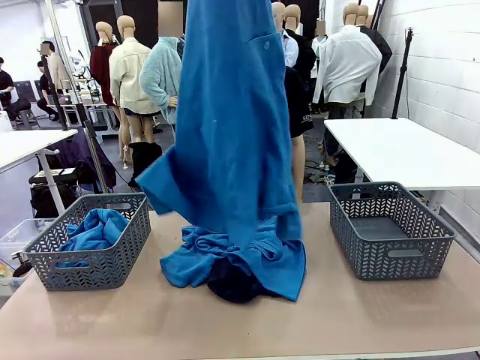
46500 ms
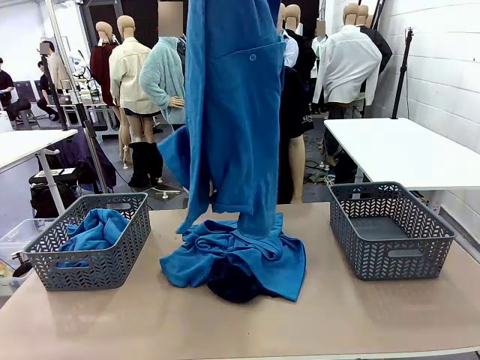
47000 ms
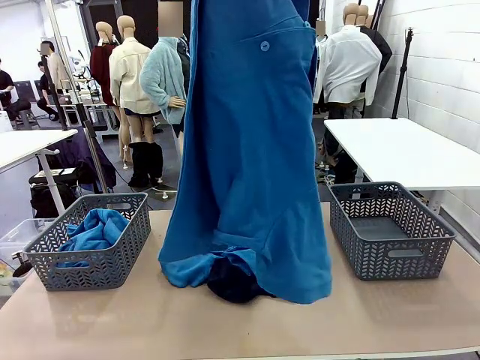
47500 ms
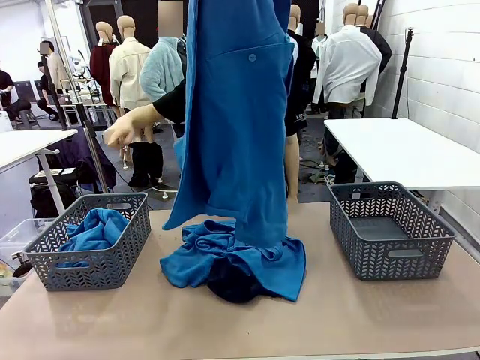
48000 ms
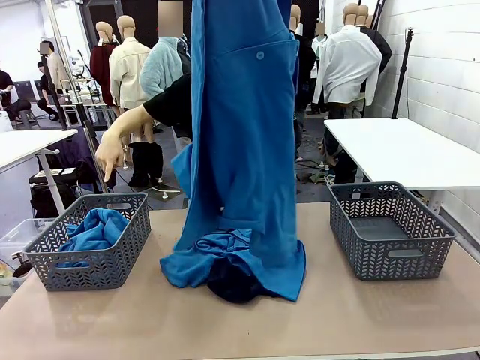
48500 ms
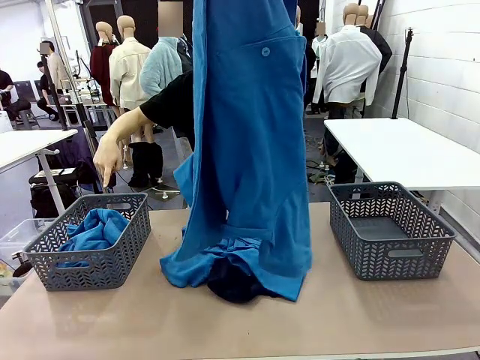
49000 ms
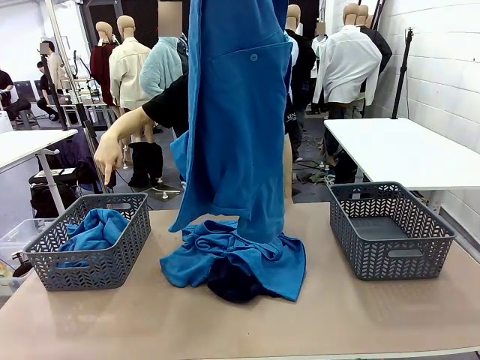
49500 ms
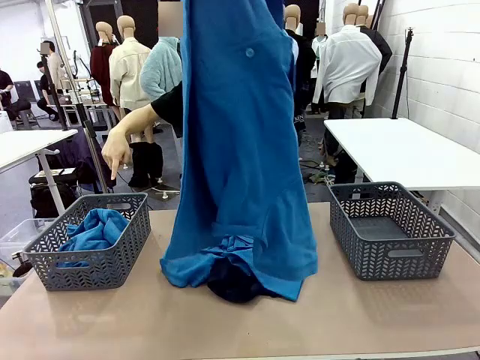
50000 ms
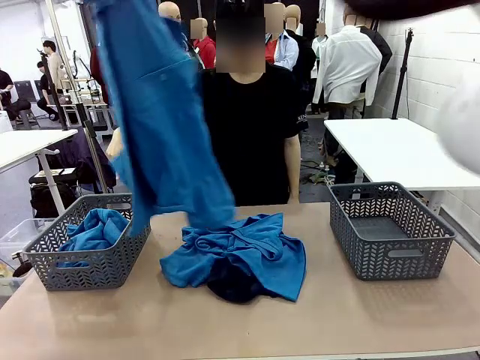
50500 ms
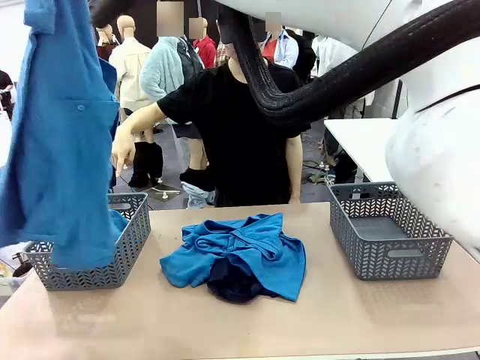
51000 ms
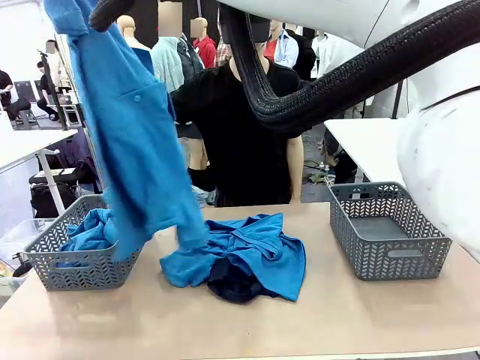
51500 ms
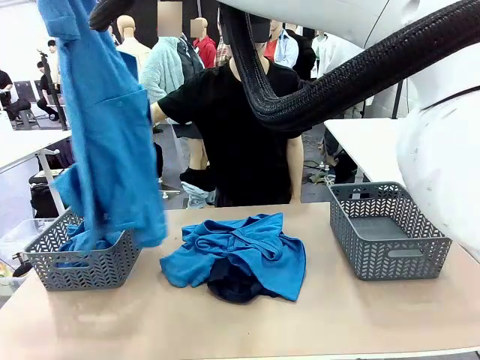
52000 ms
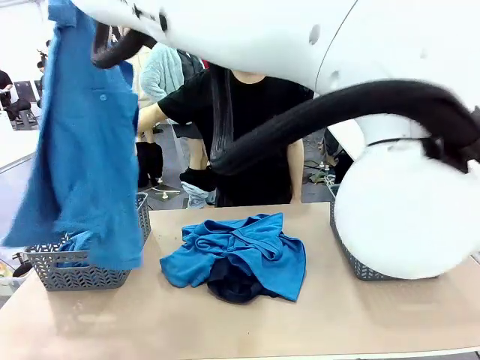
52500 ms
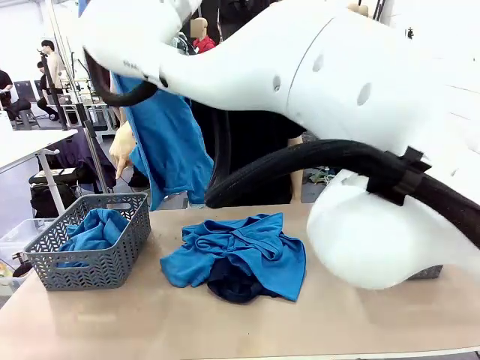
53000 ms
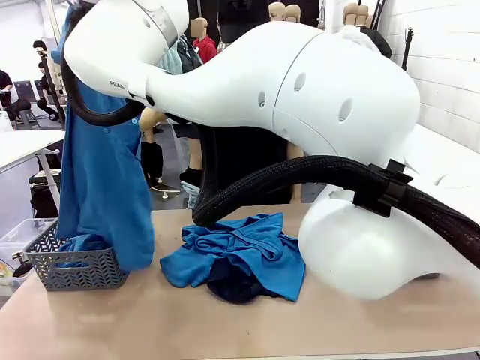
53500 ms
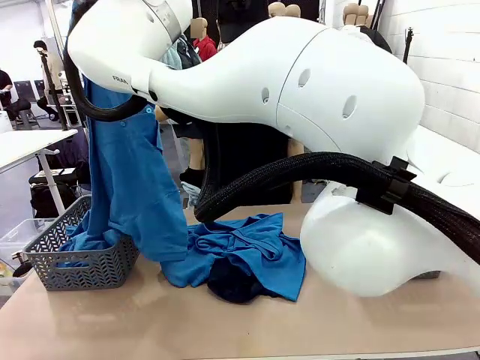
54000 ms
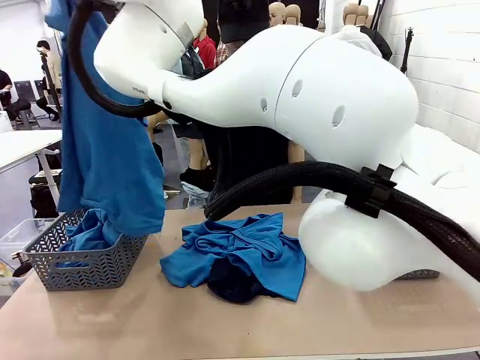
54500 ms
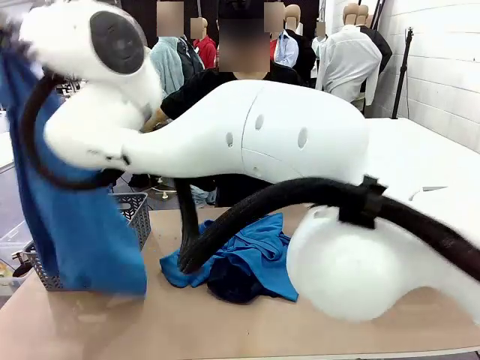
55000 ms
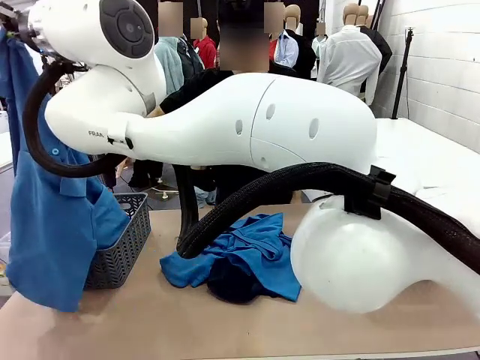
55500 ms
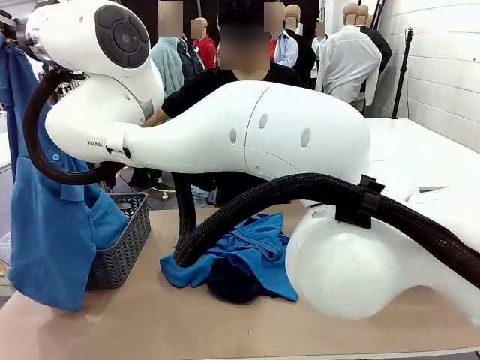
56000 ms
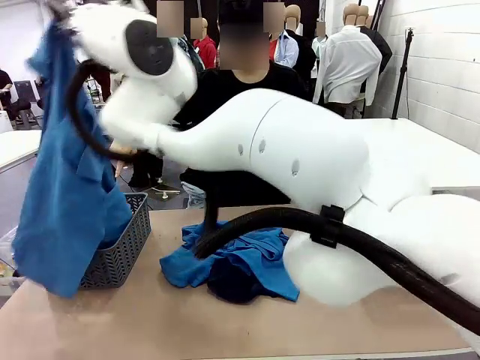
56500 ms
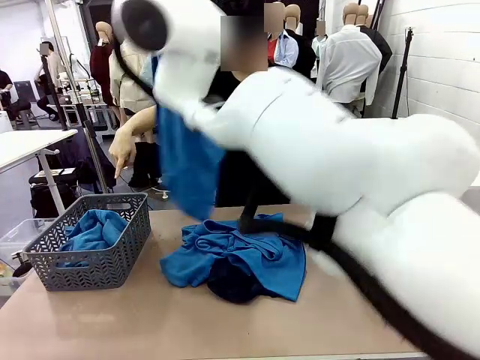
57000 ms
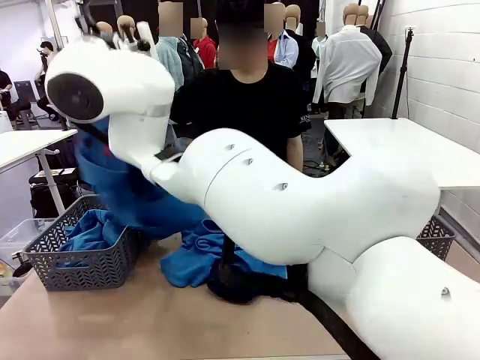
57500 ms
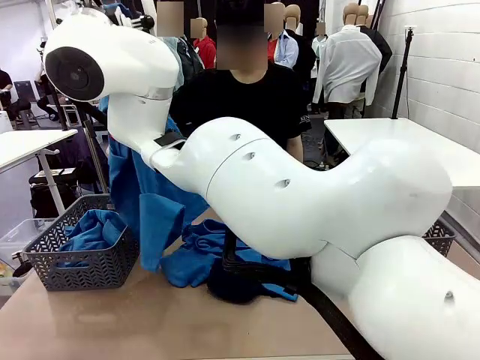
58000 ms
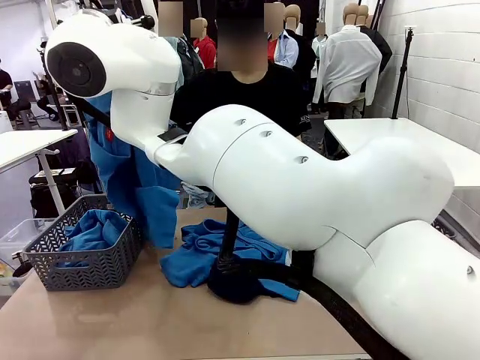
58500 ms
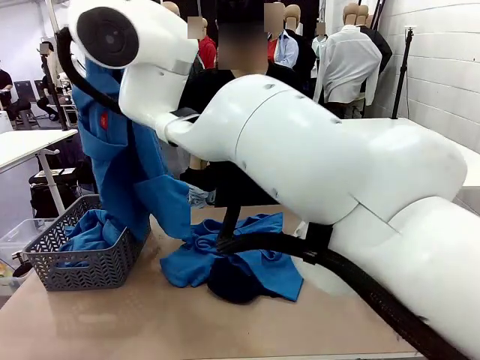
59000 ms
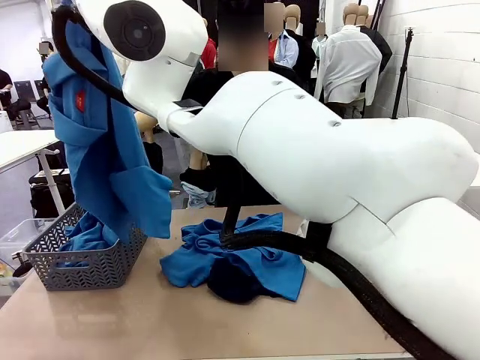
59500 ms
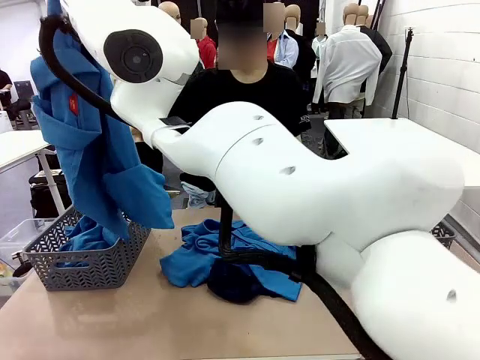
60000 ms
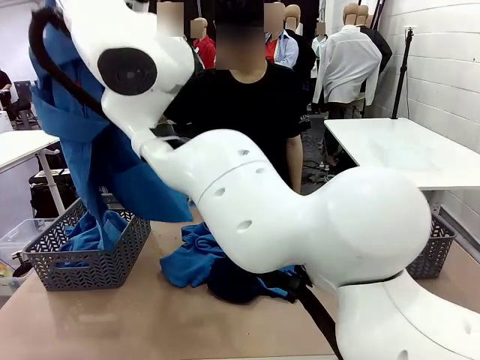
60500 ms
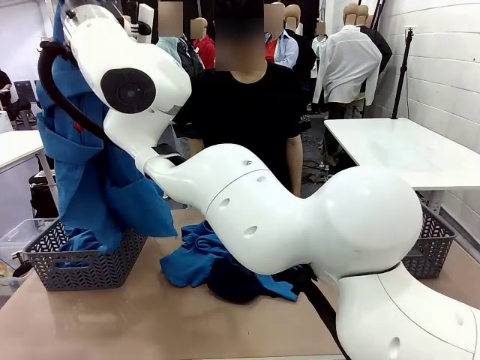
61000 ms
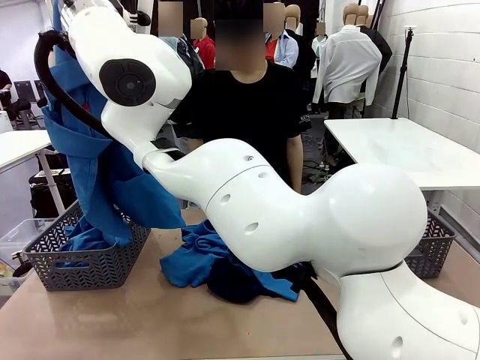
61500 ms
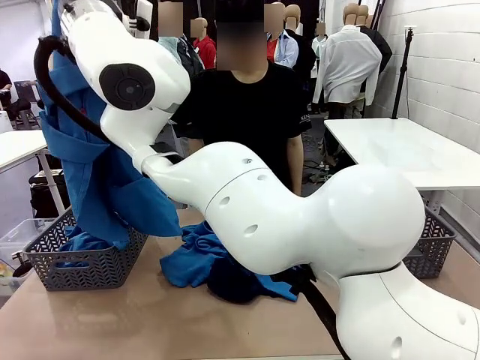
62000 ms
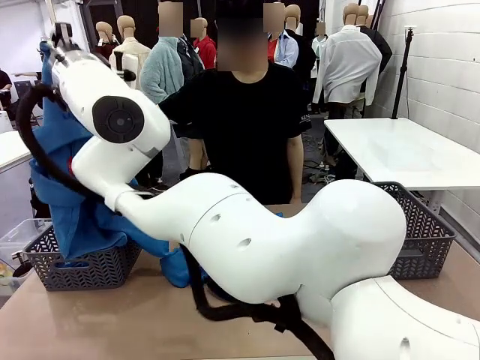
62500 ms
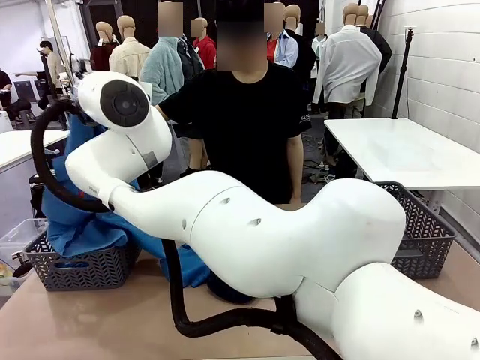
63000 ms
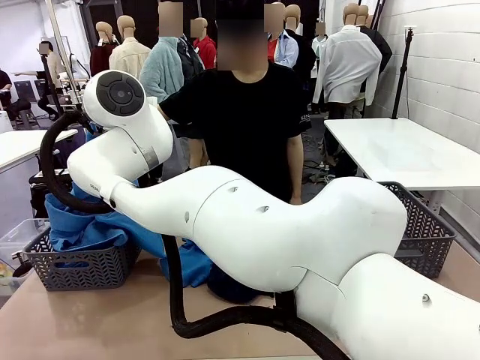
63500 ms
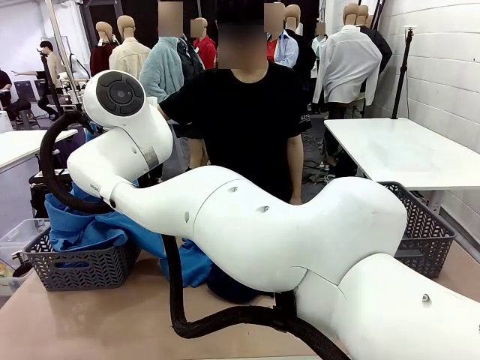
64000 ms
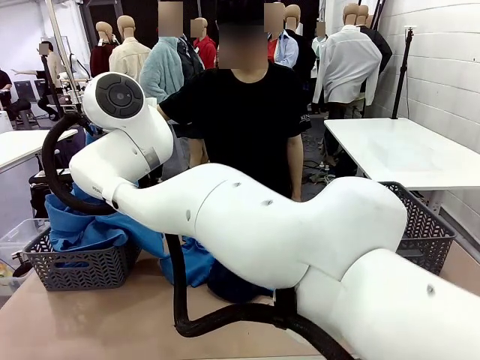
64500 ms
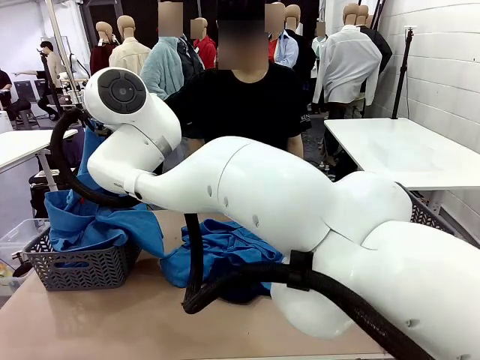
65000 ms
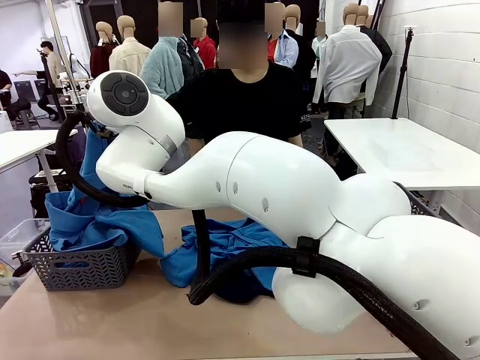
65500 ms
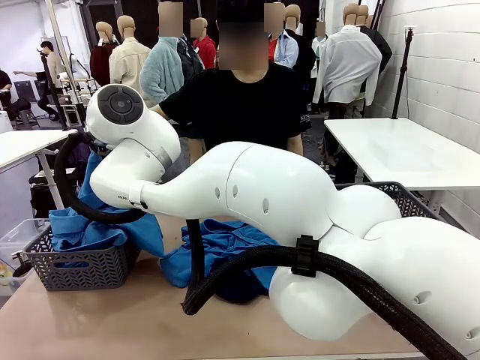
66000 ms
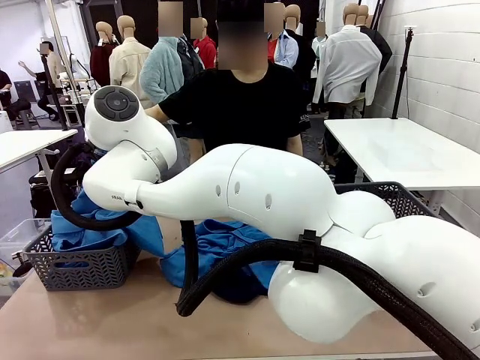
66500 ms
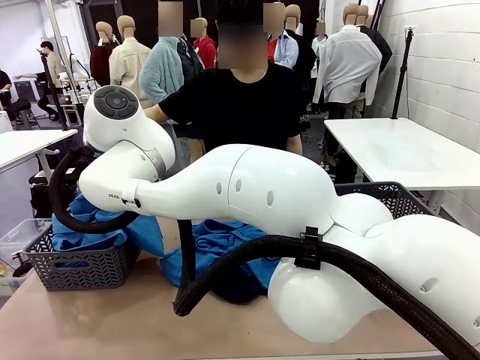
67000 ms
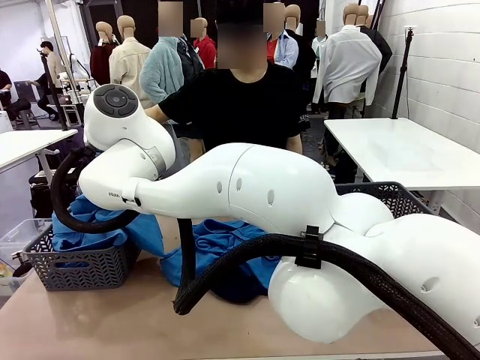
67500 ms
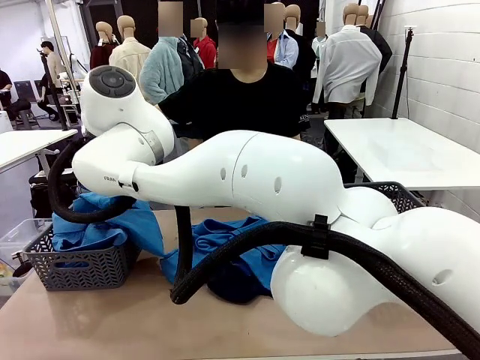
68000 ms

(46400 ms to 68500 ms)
Task: Sort the tops and bottoms.
Robot: Sort the clothes according to human instructions.

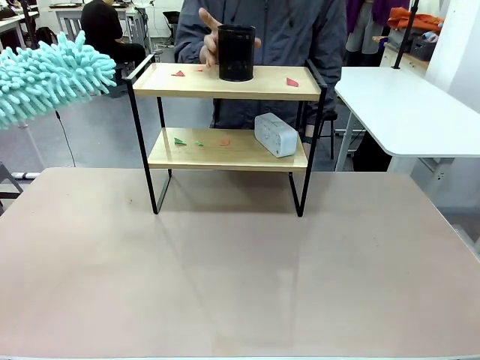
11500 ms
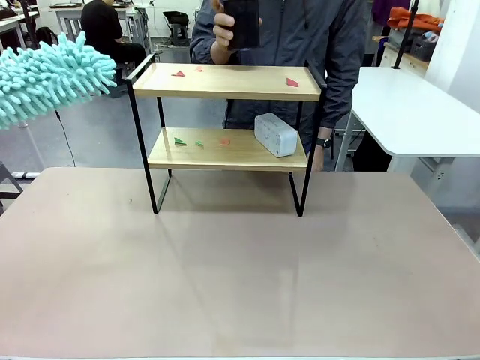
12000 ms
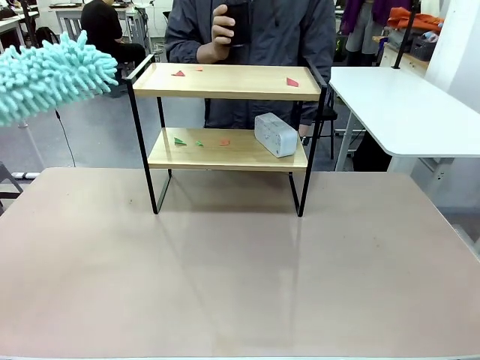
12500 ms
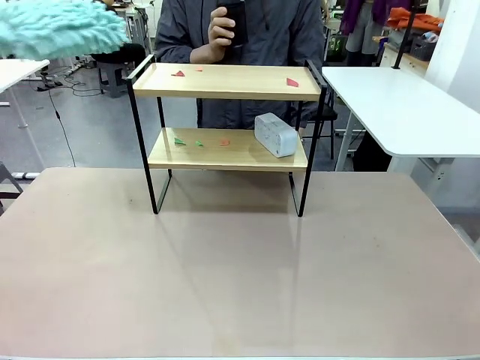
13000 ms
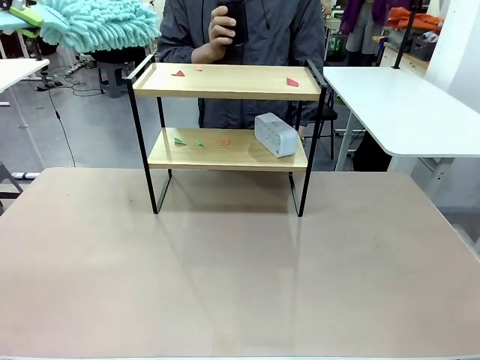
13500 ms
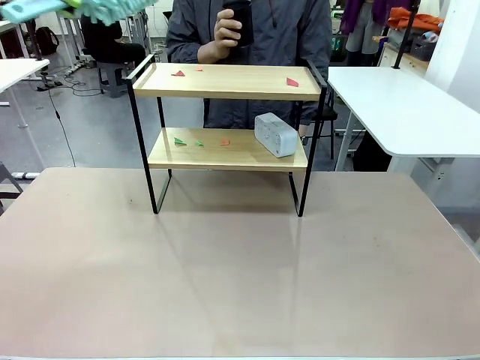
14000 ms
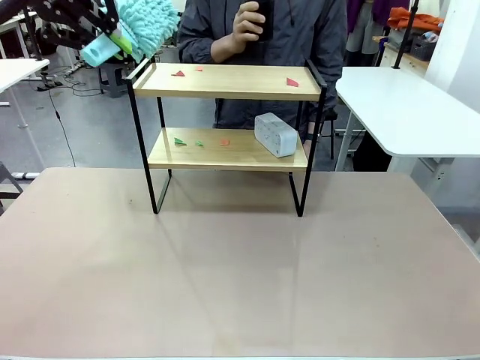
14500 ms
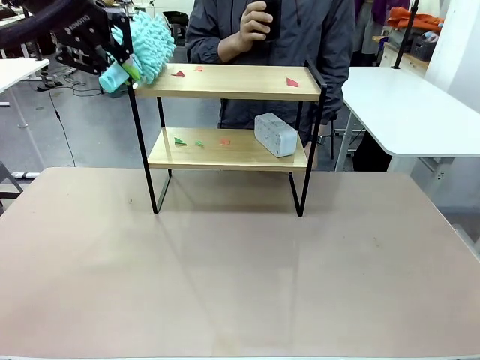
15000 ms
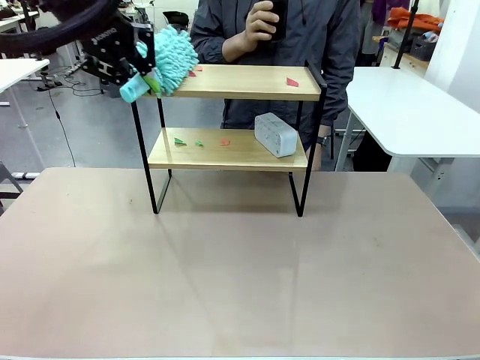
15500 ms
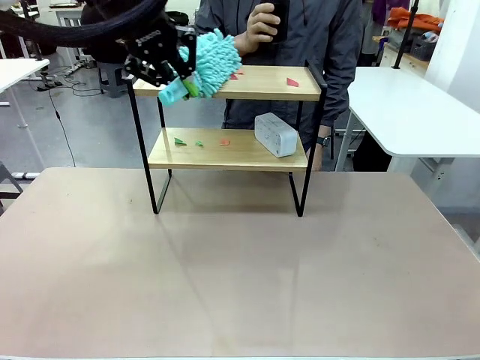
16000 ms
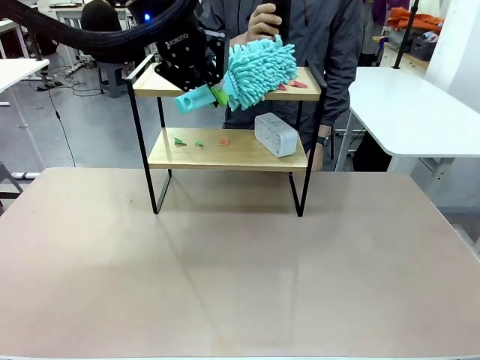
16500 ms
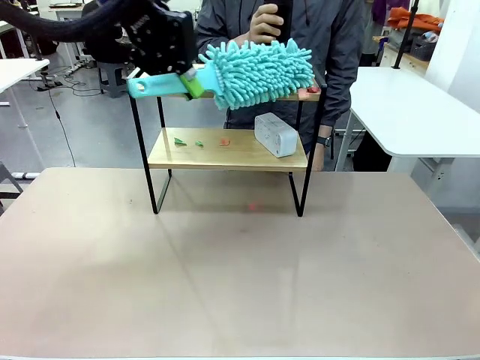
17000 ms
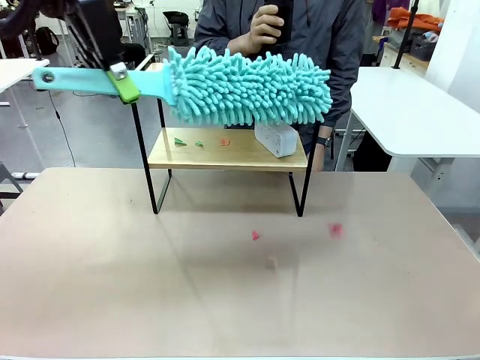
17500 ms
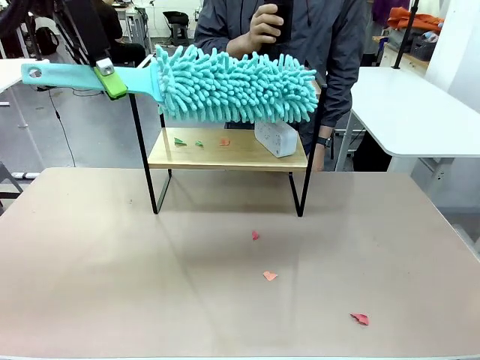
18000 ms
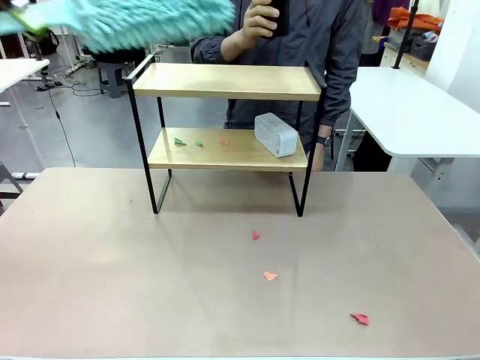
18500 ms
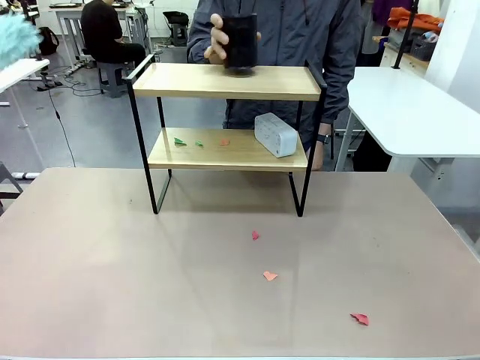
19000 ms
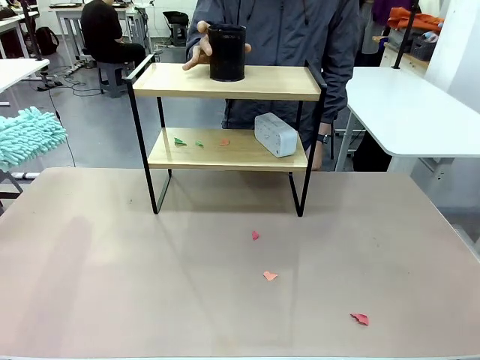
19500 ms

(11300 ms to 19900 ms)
Task: Clean the shelf.
Robot: Clean the specific tier of the Shelf with the Duster once objects are removed.
Person: Lift the objects on a randomly selected tier of the Shelf. Once the robot finishes cleaning, lift the objects on the remaining tiers of the Shelf.
